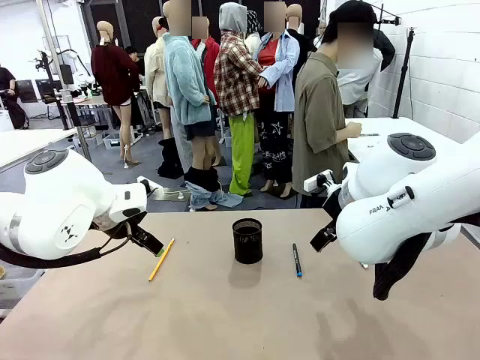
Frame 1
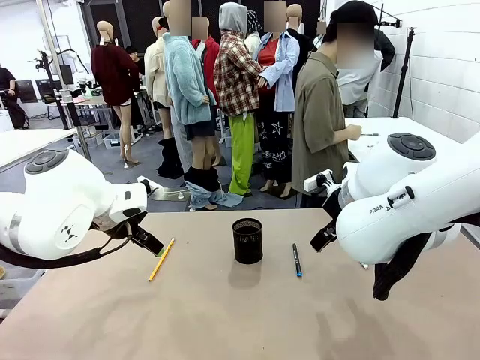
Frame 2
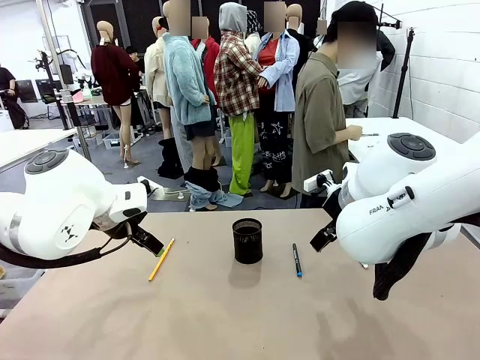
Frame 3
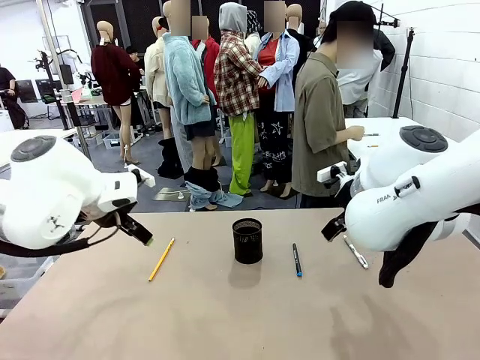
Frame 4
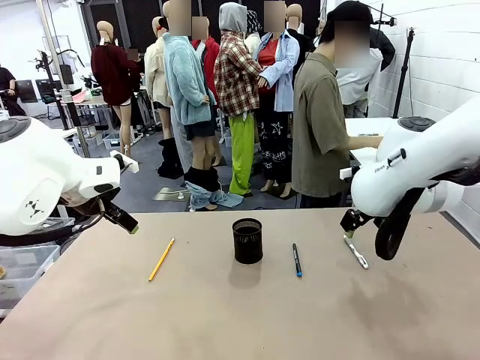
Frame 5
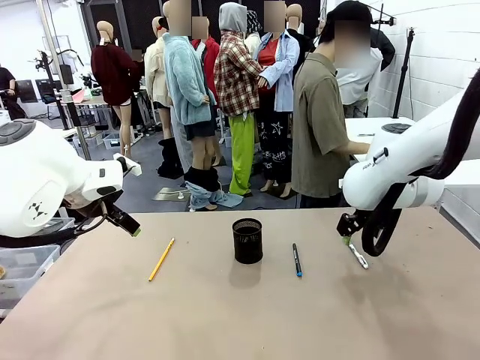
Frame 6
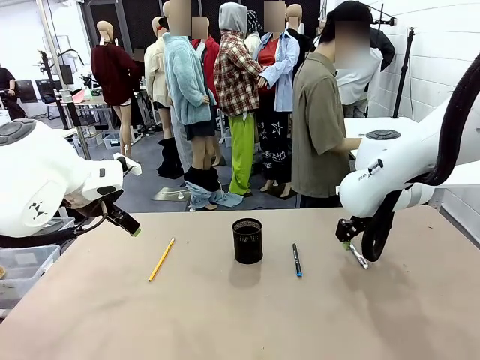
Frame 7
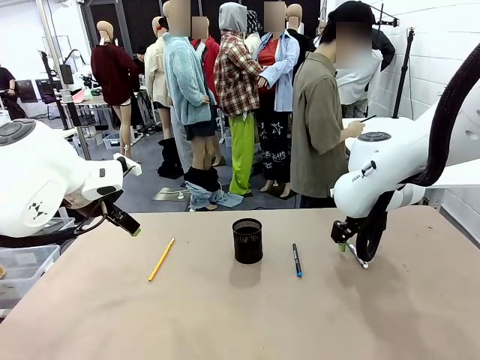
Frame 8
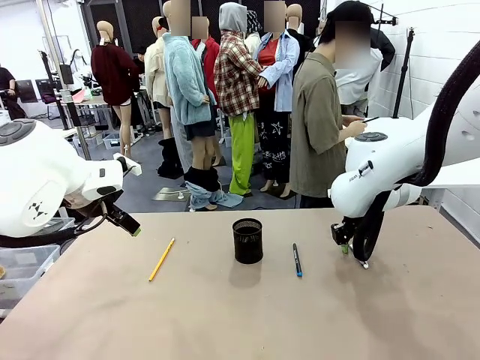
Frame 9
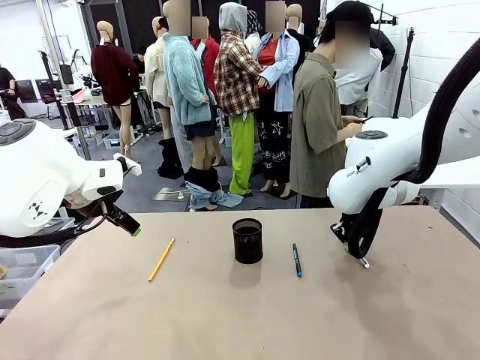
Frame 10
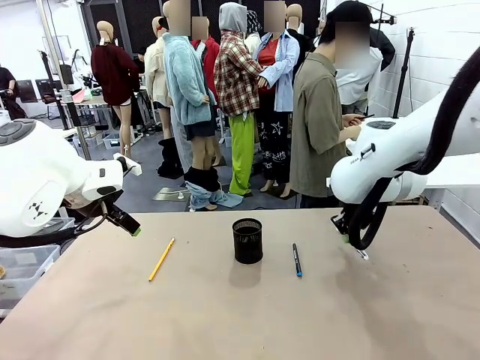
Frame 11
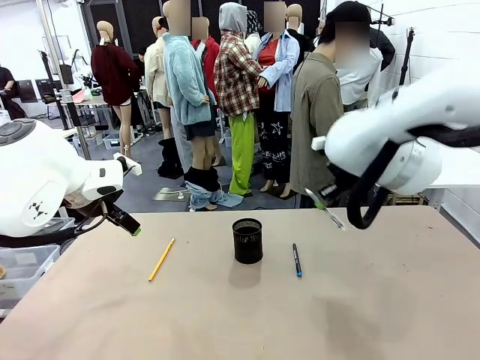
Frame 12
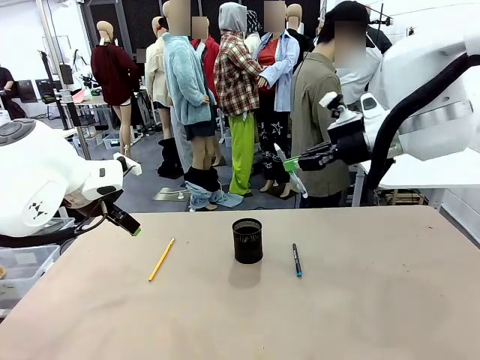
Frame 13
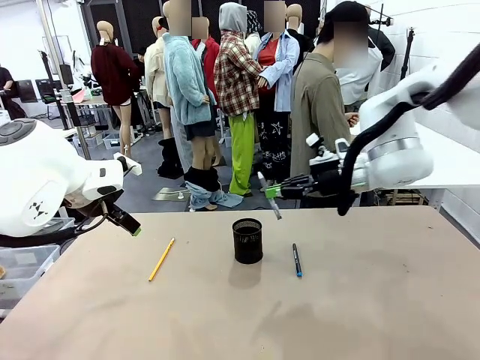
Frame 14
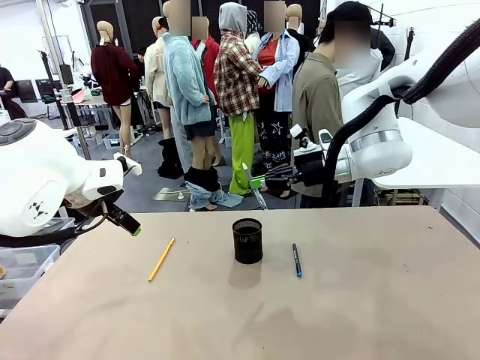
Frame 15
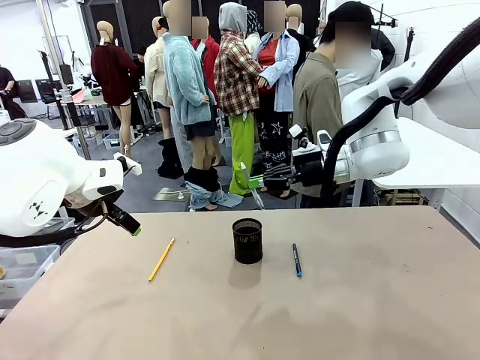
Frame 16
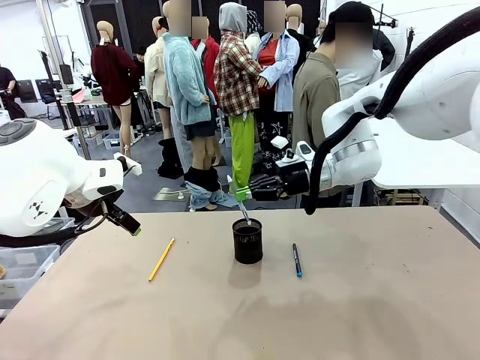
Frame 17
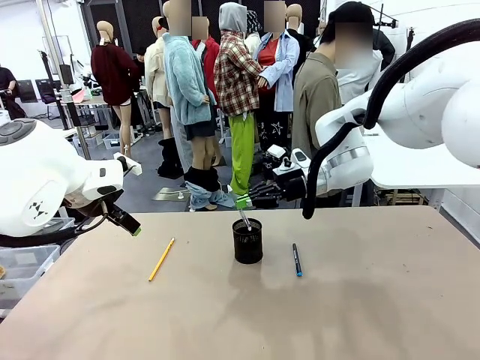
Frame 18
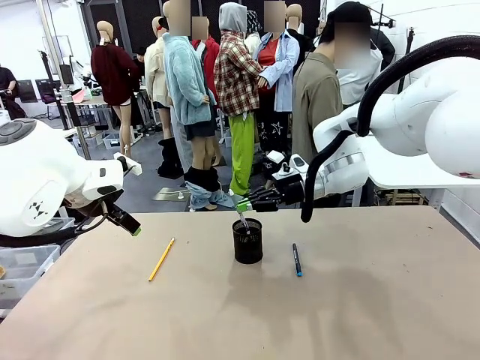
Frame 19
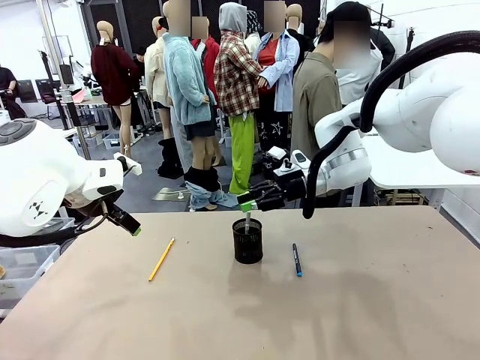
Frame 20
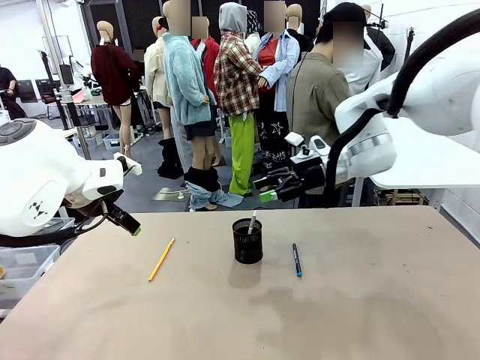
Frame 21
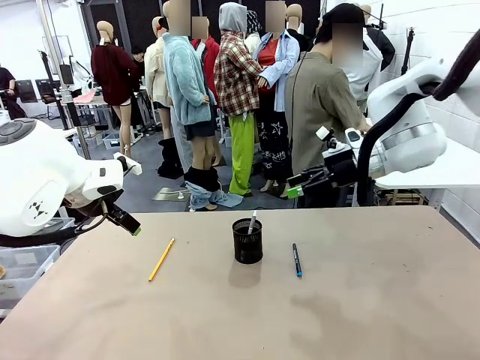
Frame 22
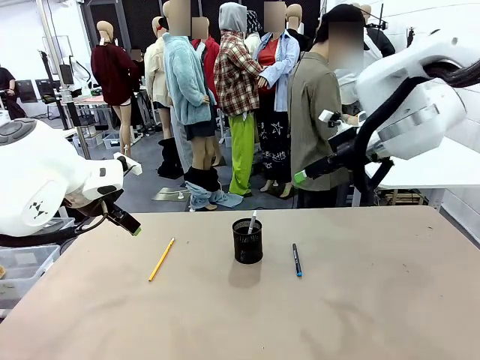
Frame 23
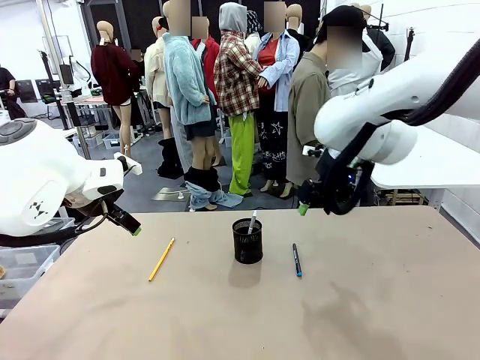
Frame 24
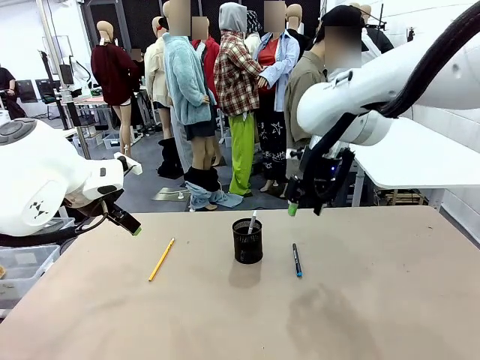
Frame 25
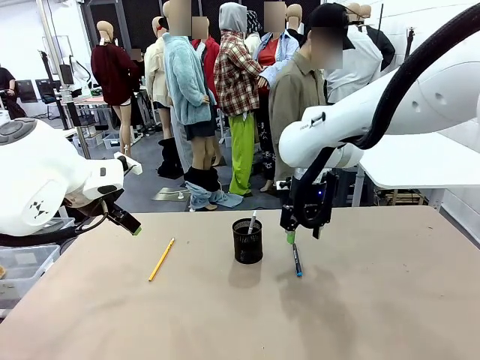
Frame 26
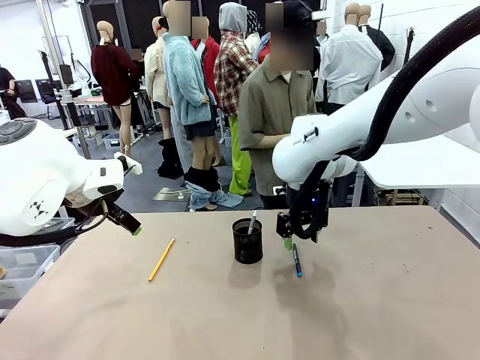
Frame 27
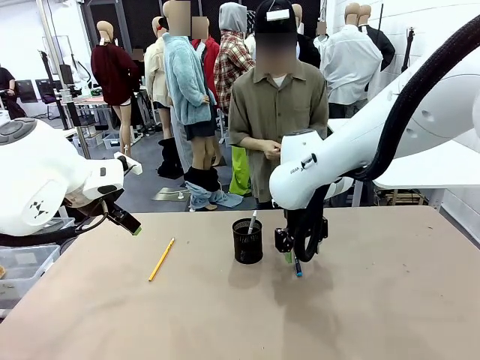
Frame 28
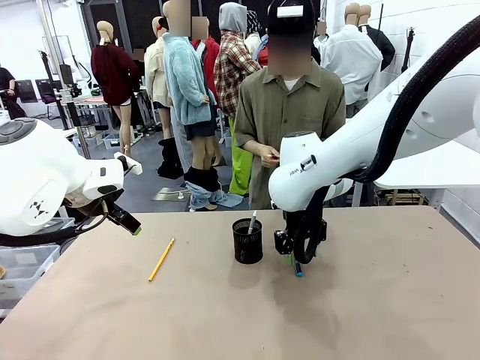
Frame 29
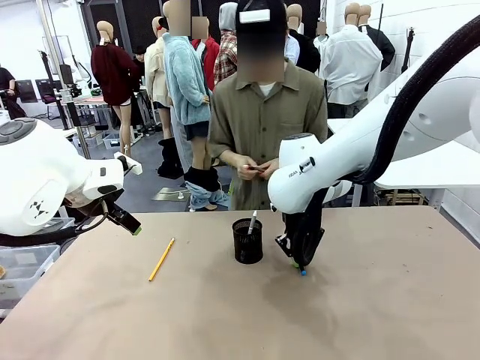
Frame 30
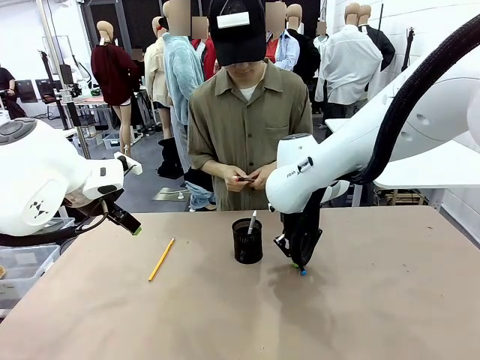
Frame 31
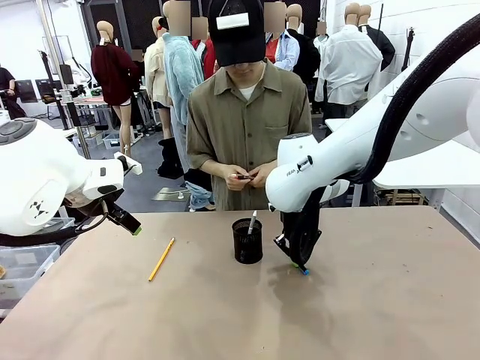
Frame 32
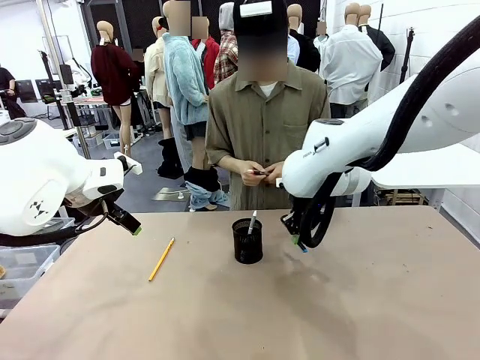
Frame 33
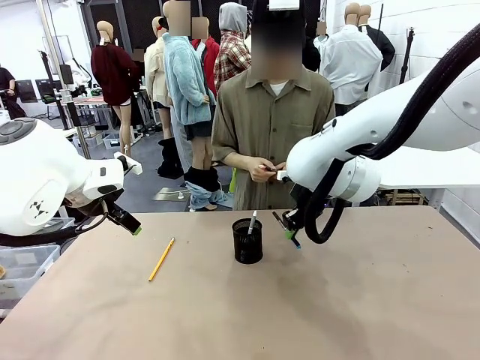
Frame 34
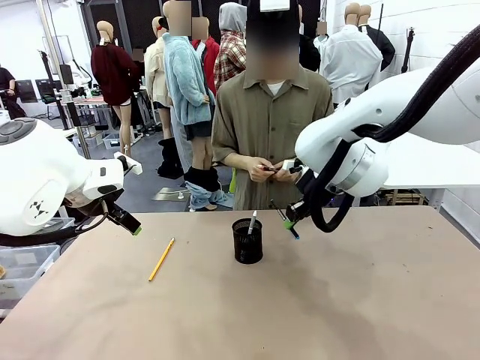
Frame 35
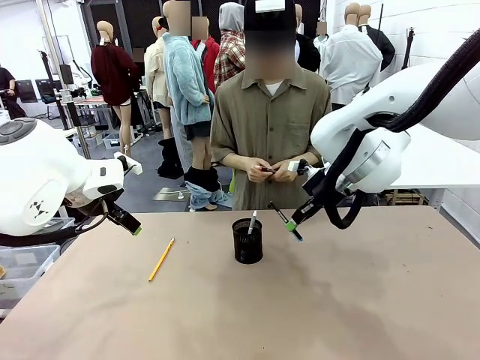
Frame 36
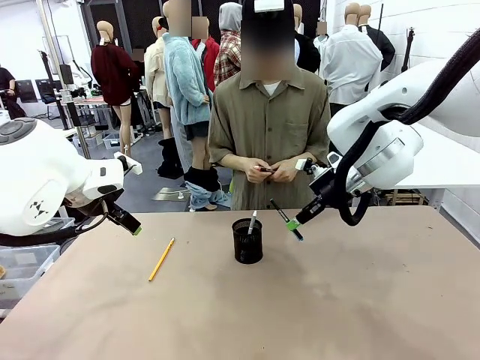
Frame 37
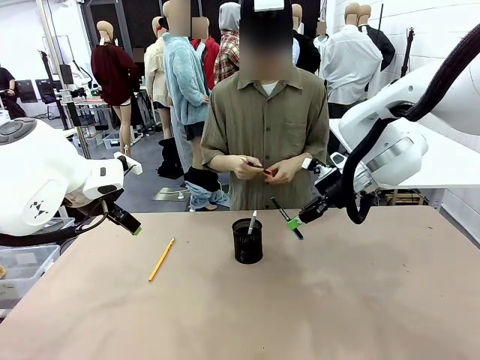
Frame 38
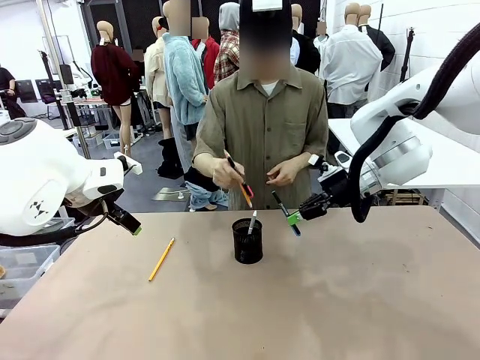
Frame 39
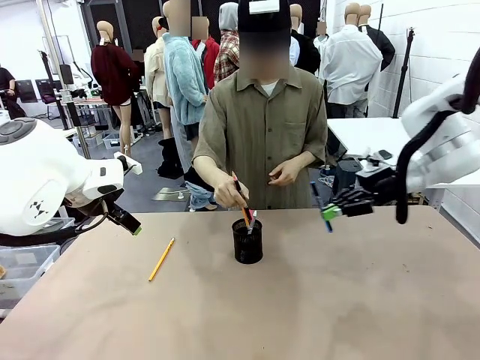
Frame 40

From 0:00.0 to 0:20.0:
Task: Place the pens into the pen holder.
Robot: Pick up a writing instrument from the table and place it into the Pen holder.
Person: Pick up all writing instruments from the Human table.
